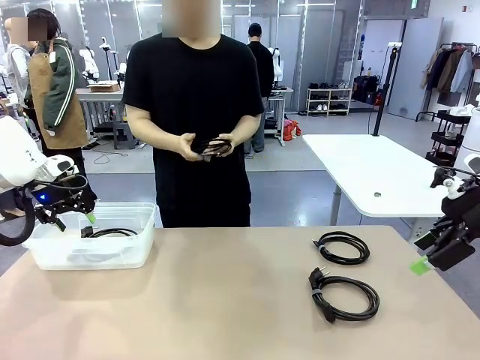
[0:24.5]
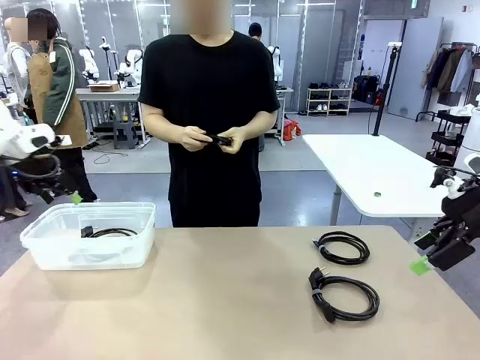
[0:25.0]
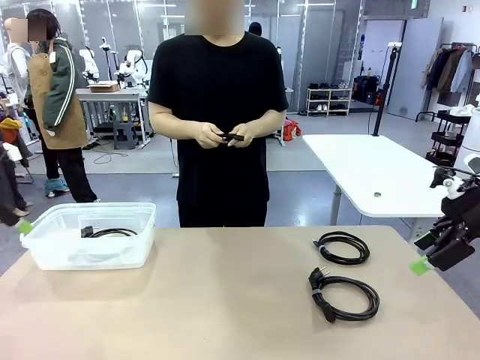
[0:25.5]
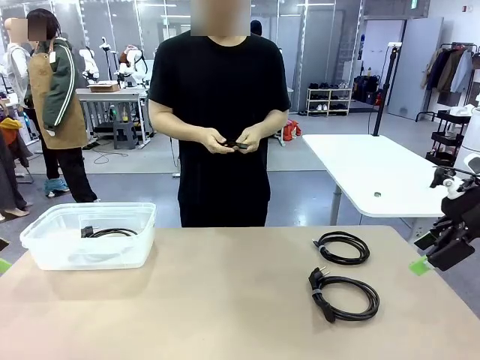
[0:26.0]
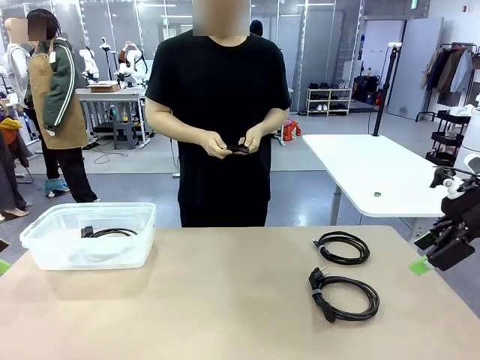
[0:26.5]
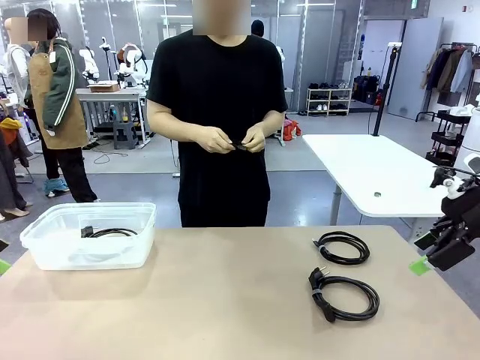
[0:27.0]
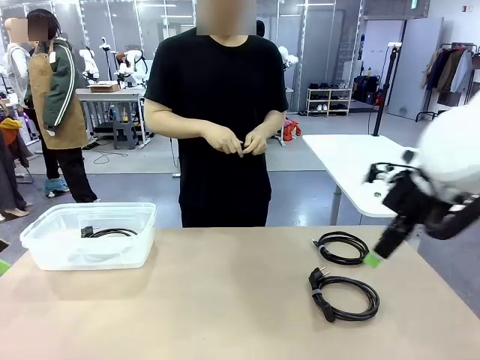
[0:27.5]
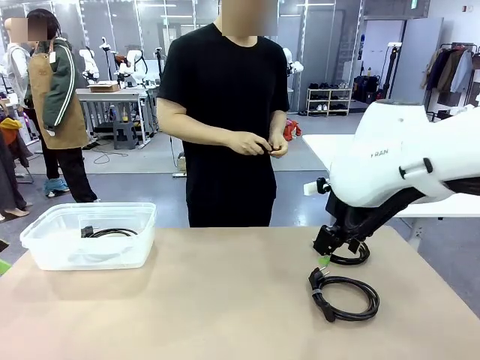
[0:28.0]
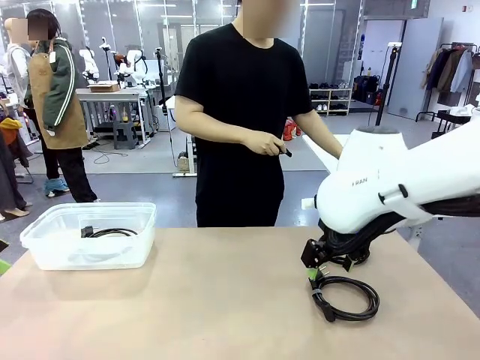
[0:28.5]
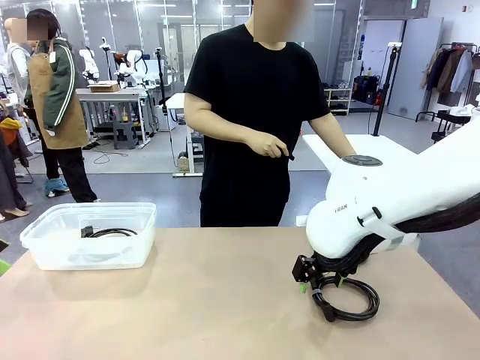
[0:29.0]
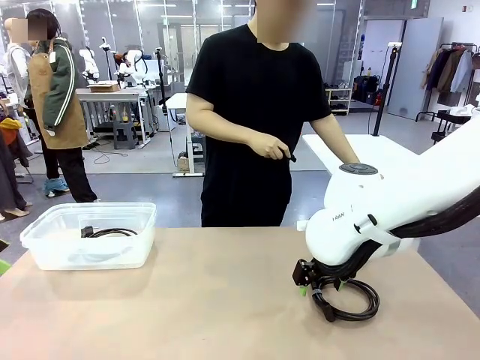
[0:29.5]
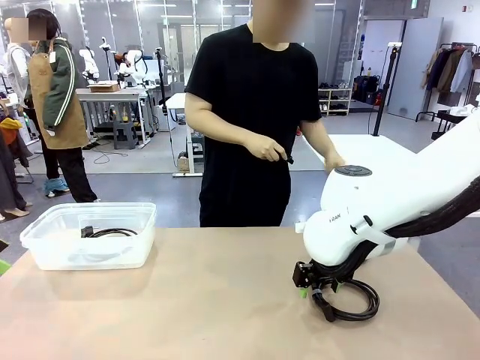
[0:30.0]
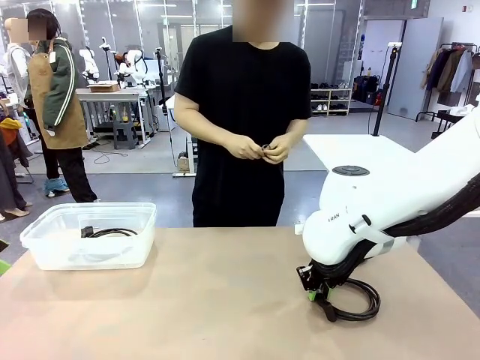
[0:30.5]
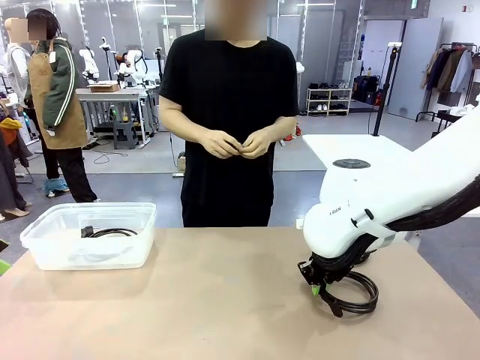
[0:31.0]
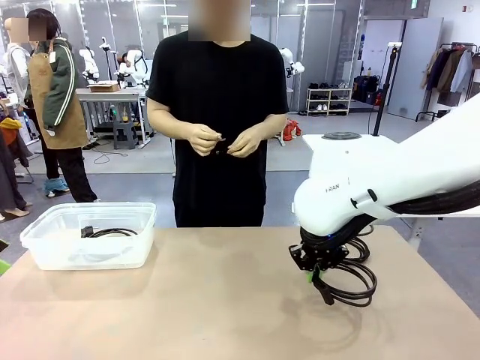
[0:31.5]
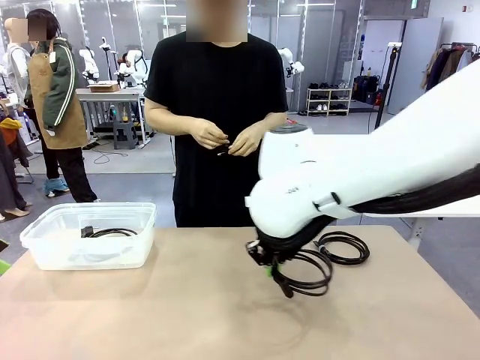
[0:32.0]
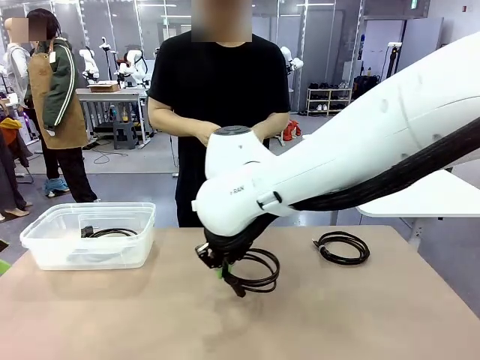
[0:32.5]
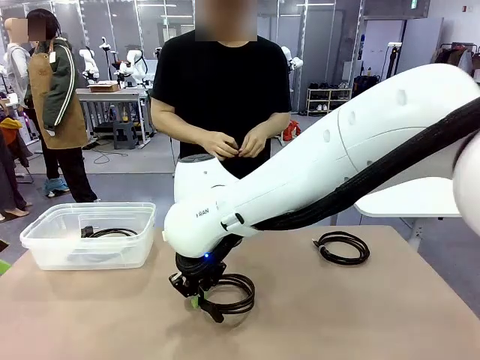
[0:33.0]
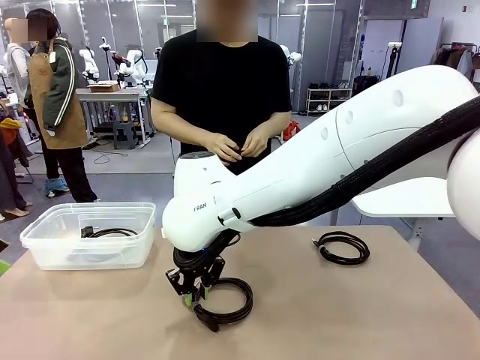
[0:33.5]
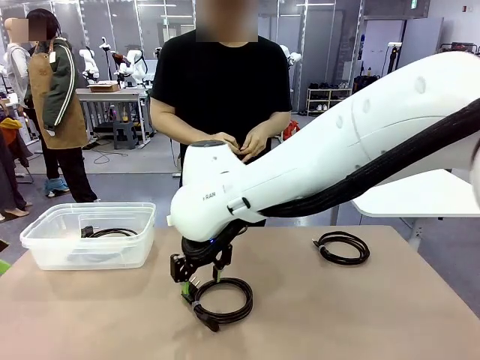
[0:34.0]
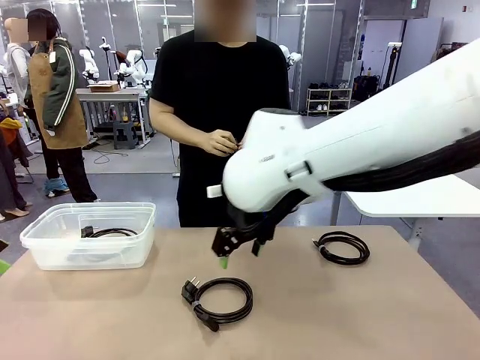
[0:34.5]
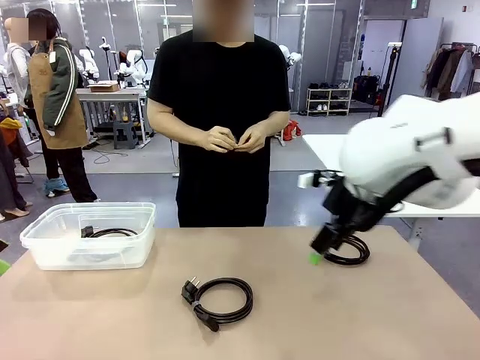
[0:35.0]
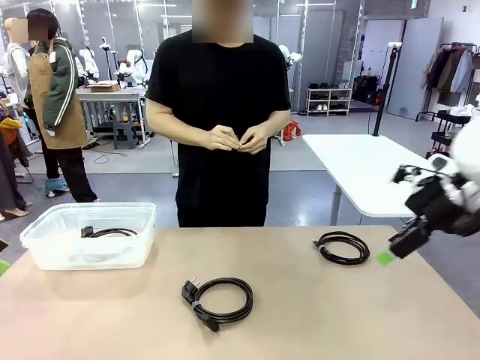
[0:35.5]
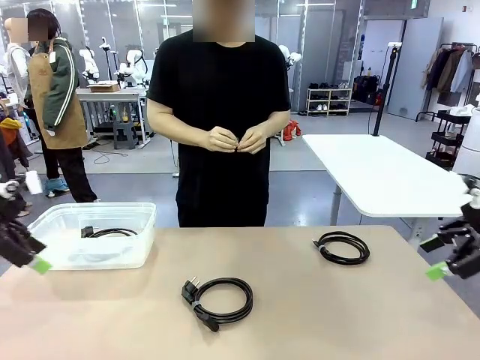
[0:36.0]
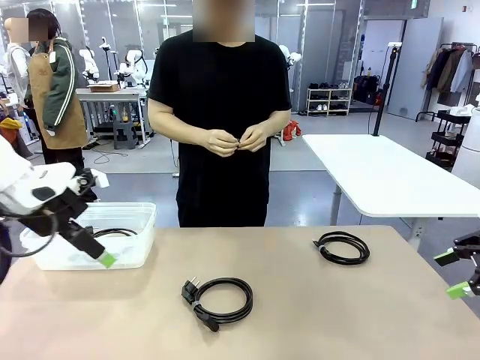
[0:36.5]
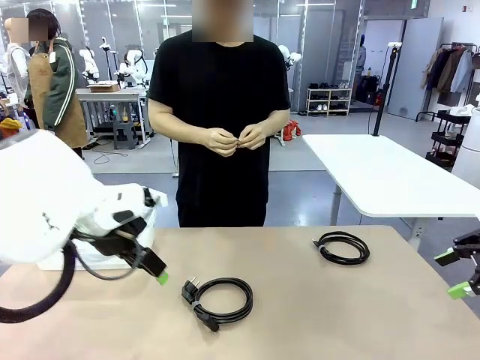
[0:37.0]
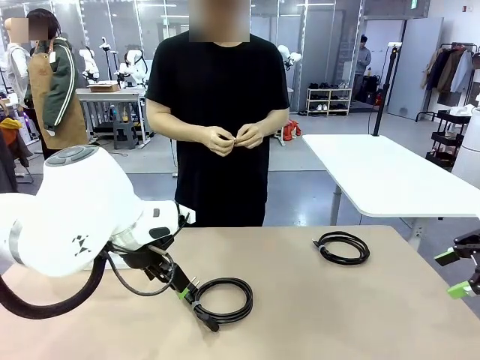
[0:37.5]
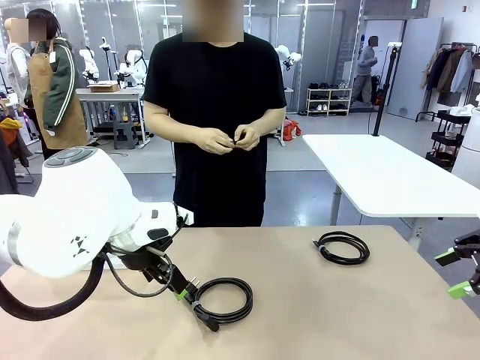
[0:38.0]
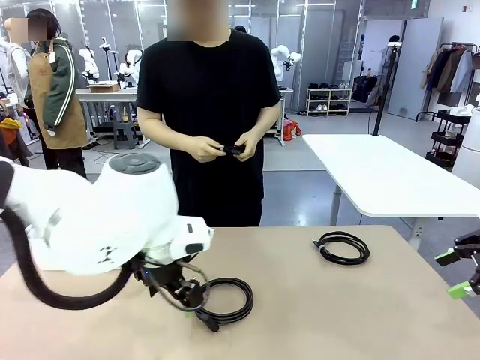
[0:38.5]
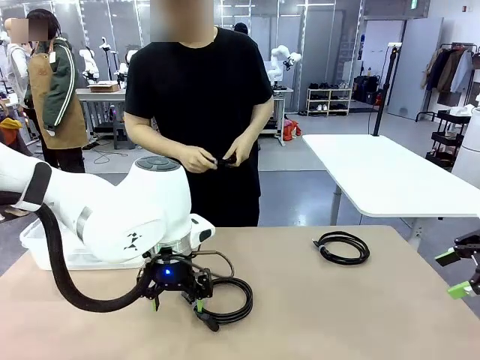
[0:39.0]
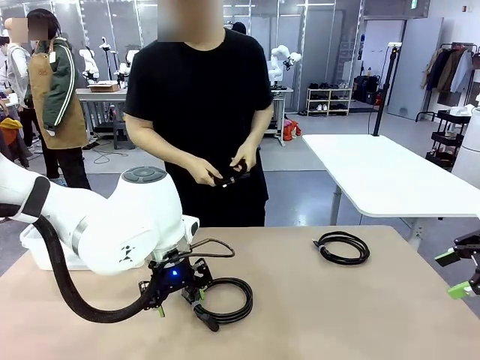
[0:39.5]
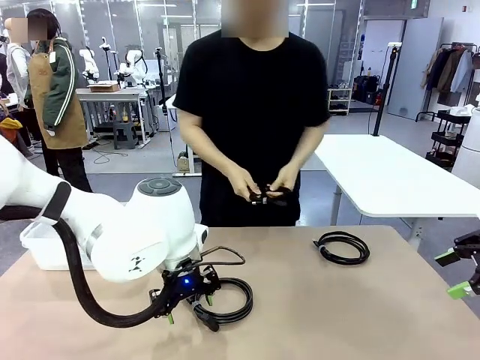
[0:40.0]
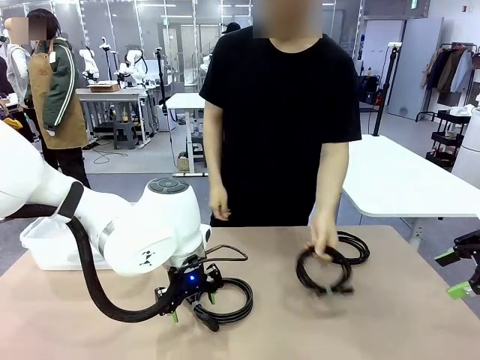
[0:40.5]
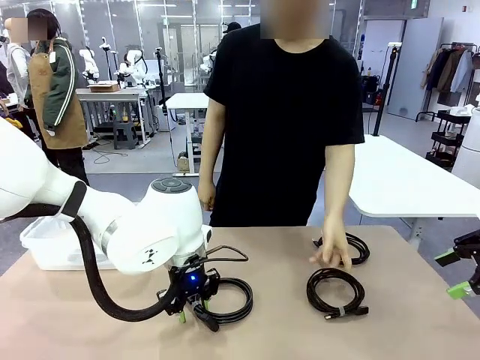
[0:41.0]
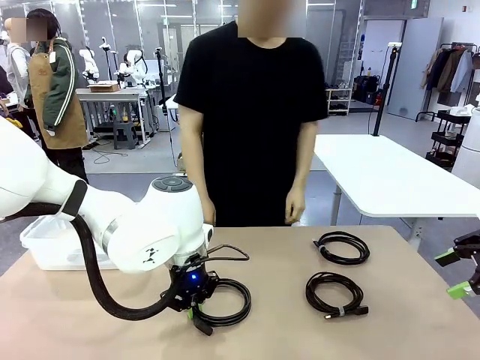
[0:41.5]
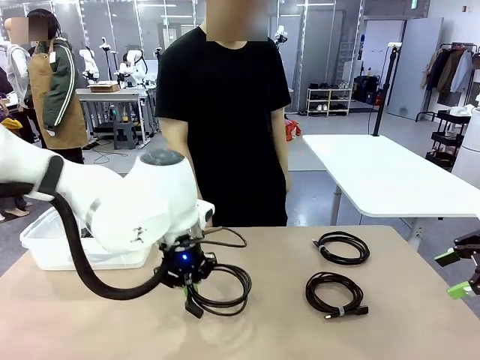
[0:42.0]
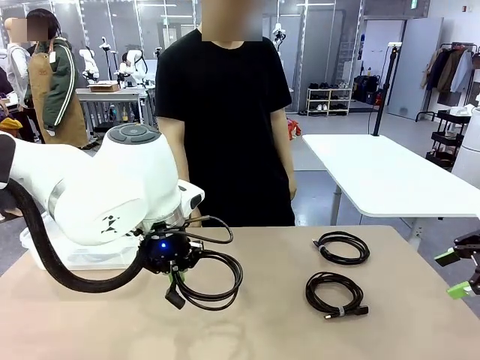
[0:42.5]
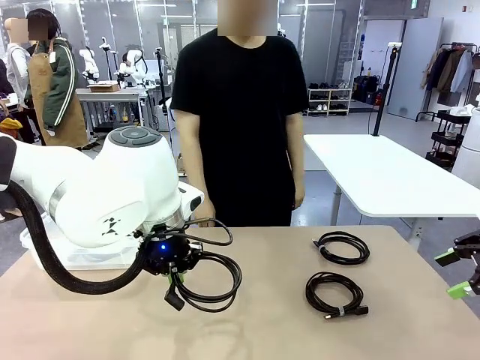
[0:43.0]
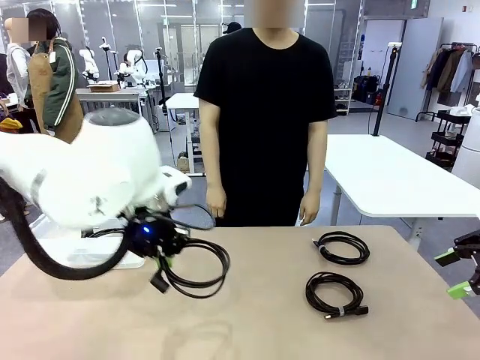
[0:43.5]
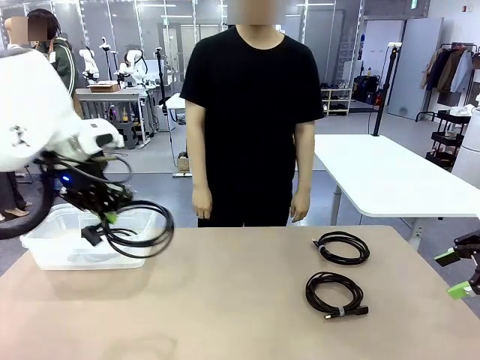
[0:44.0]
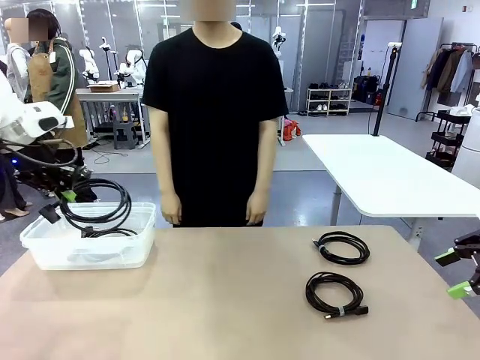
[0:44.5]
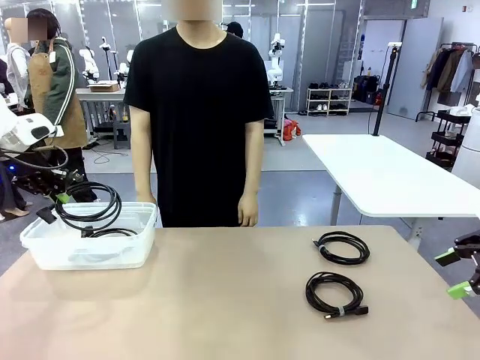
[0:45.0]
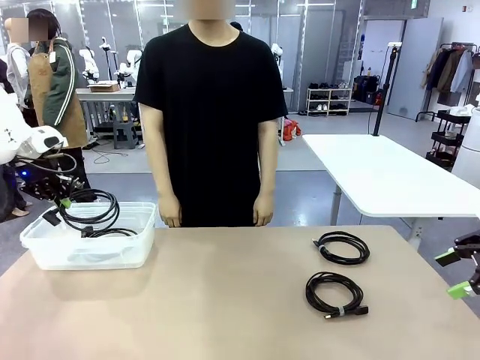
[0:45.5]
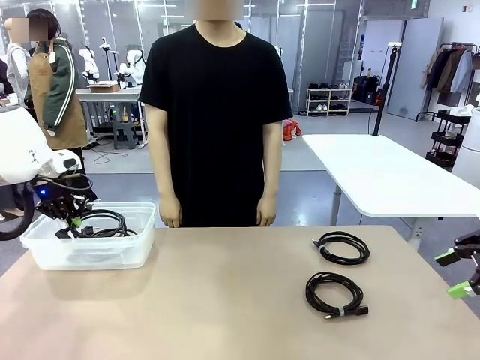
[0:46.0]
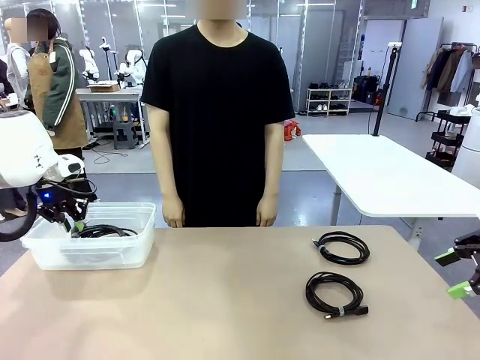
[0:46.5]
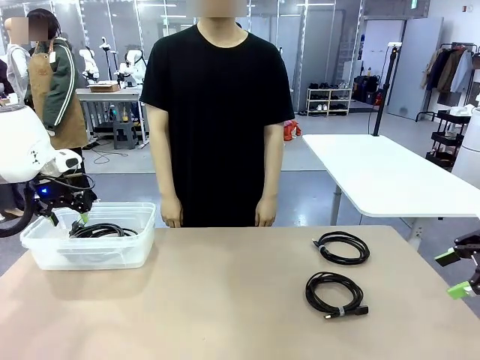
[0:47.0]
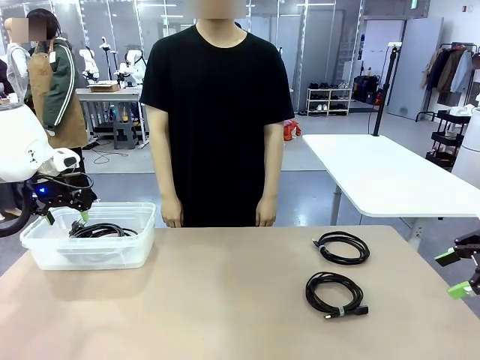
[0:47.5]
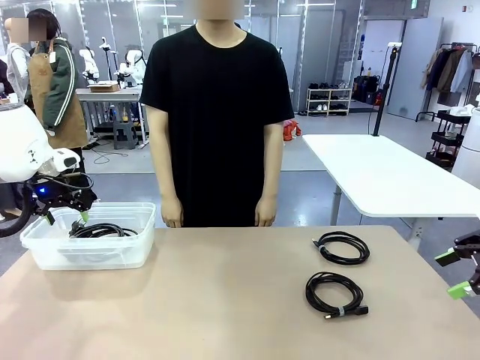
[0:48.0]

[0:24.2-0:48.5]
Task: Organize and store the cables.
Robot: Place the Power Cable into the Organizing box.
